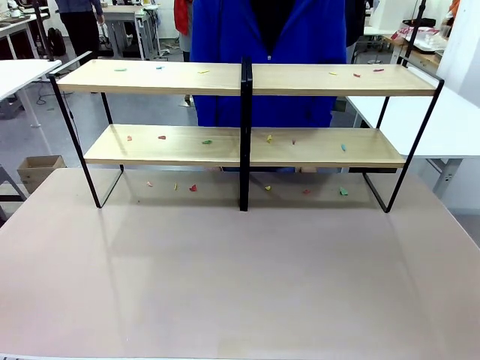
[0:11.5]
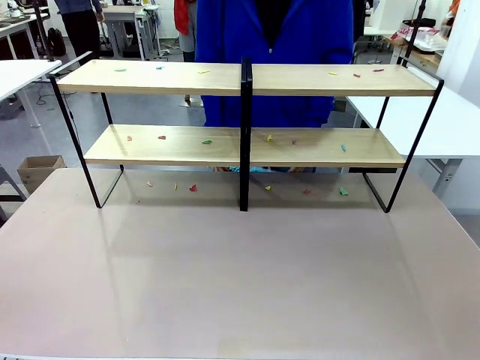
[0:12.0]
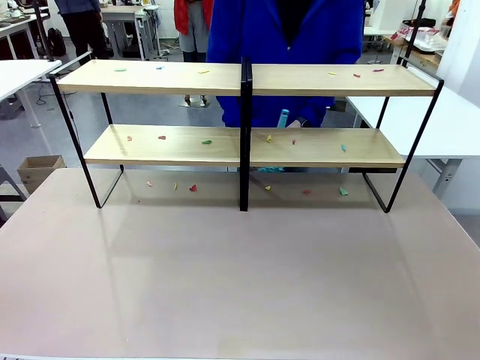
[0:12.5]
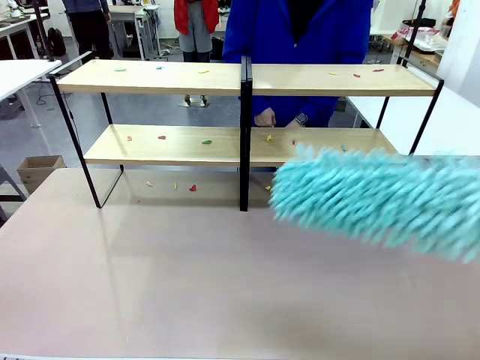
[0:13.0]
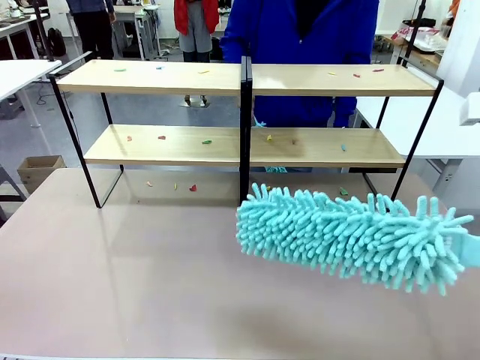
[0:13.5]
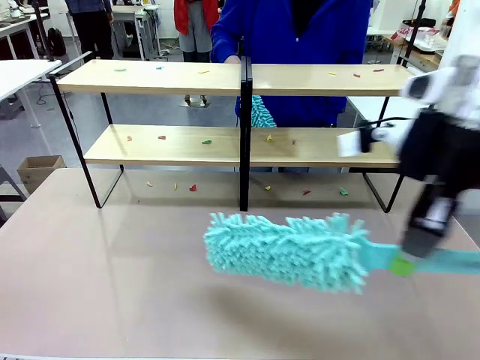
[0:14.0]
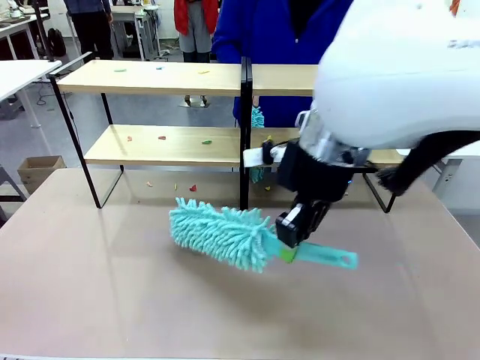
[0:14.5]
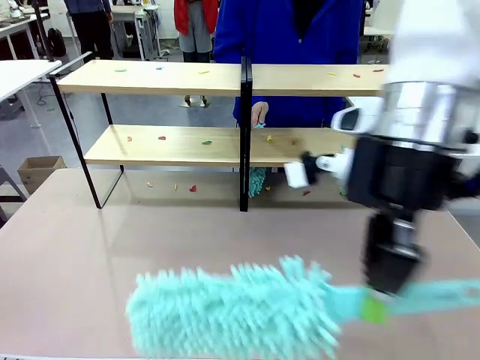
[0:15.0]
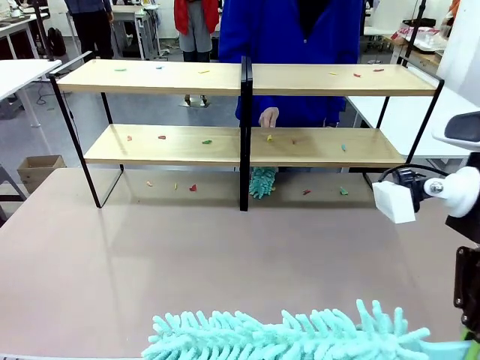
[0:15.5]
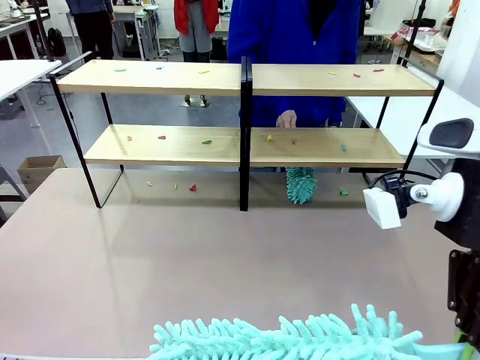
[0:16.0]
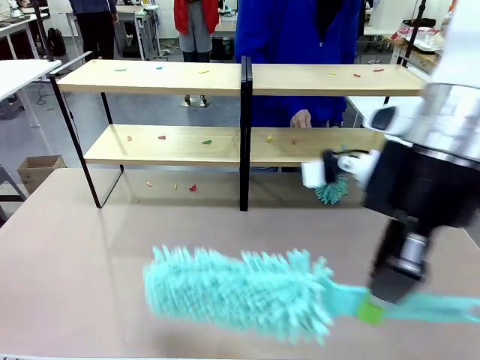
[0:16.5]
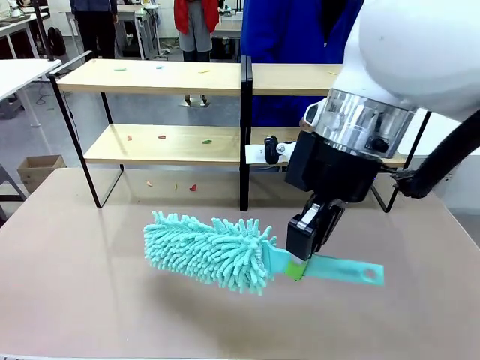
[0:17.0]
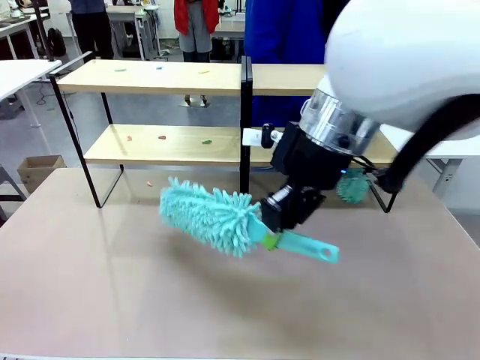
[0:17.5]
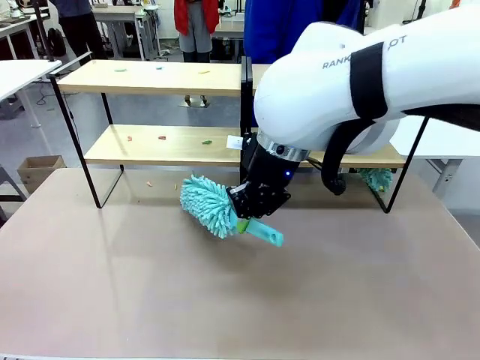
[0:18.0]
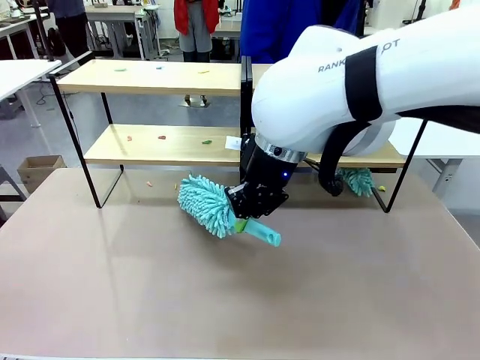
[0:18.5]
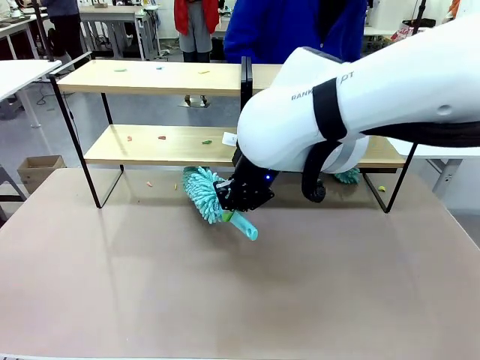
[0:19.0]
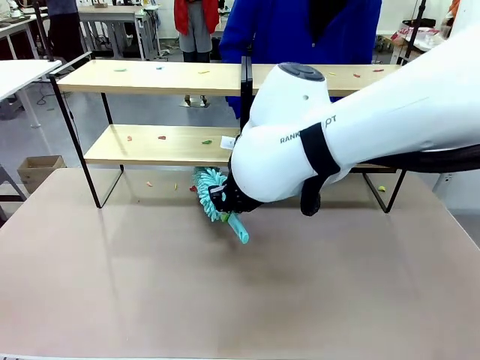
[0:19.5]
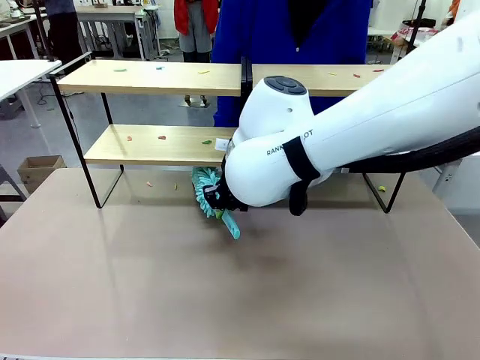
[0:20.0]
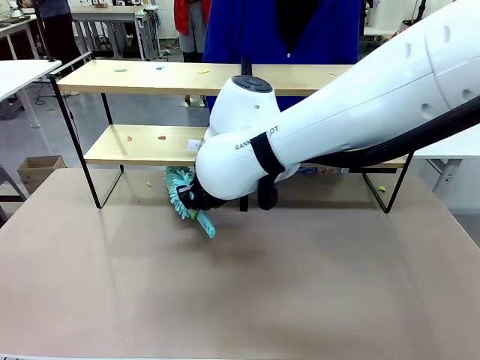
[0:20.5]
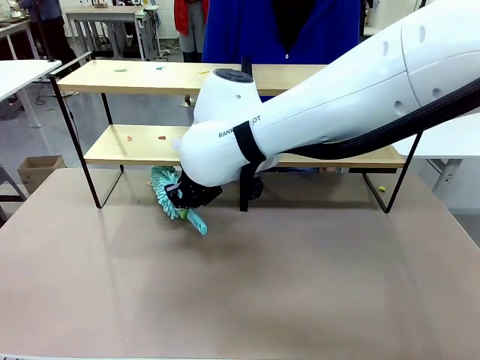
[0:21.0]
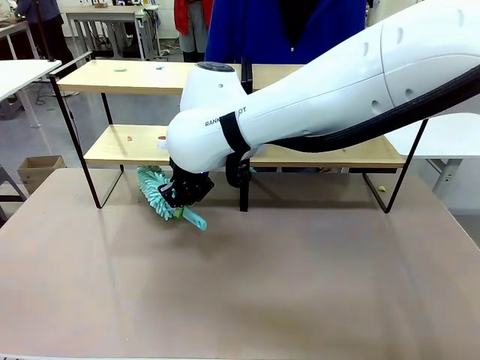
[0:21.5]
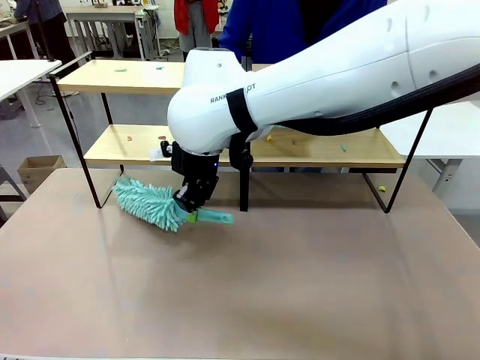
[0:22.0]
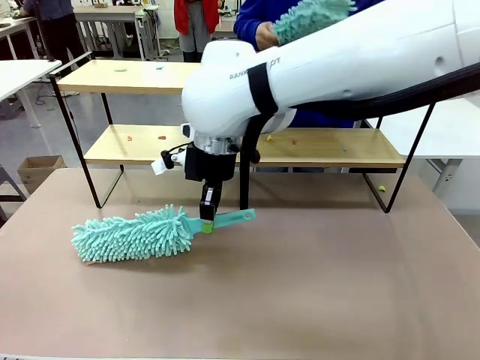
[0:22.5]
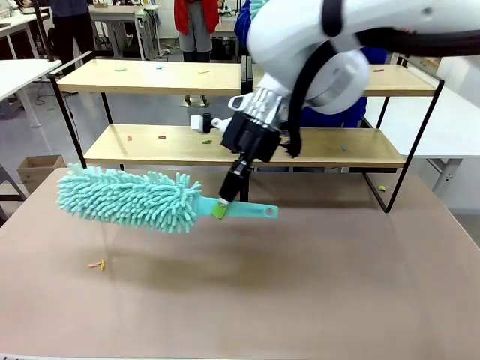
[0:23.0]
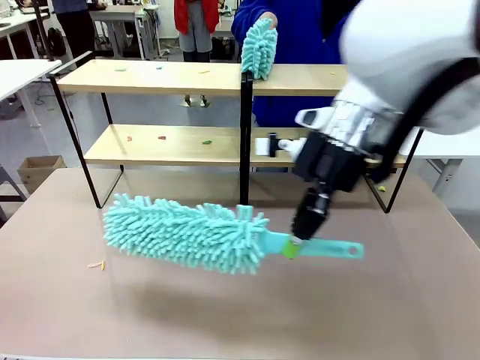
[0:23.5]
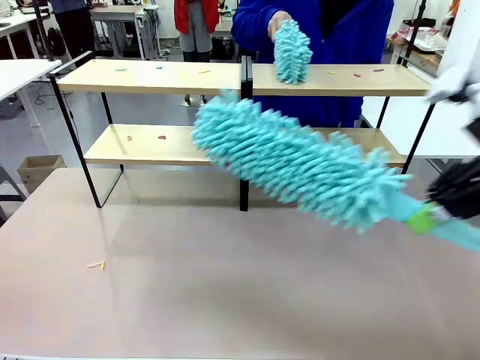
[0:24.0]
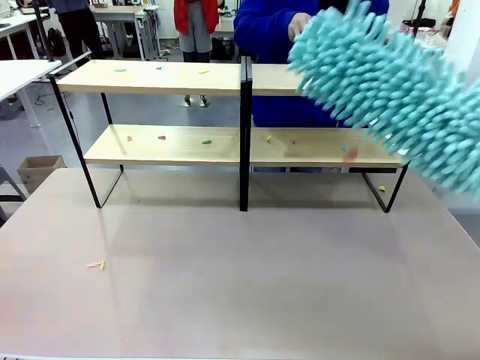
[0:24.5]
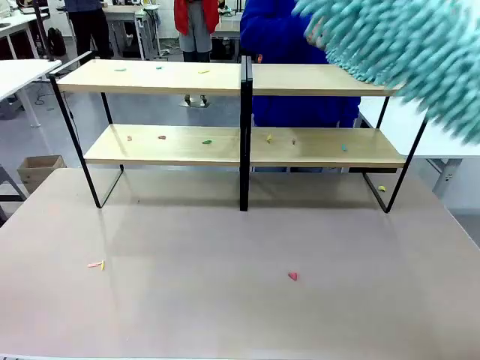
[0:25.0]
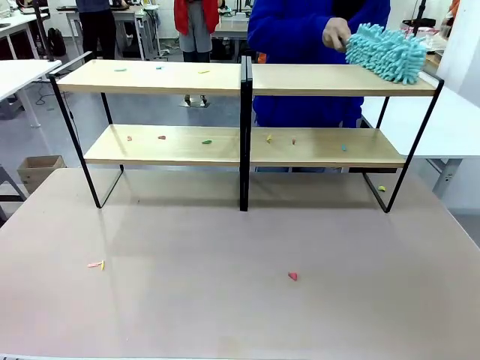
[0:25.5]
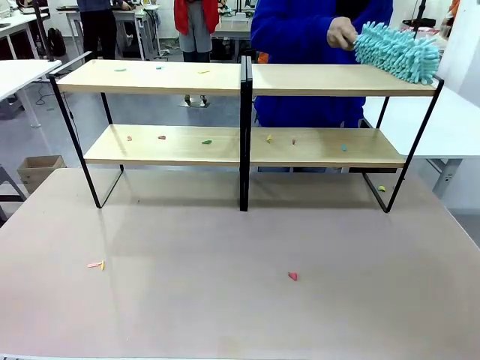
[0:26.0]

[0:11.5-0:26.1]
Task: Clean the shelves.
Robot: Clean a randomly selected level of the Shelf with the Duster.

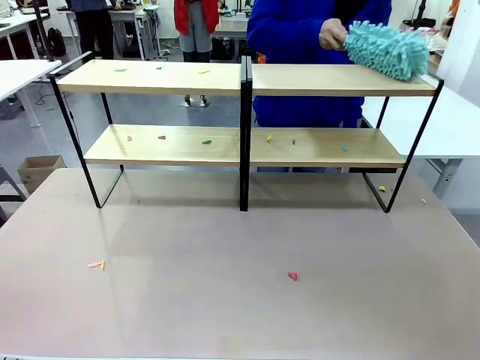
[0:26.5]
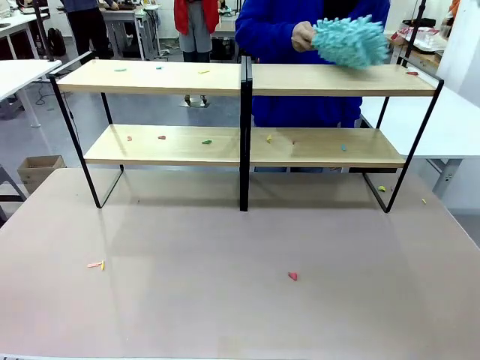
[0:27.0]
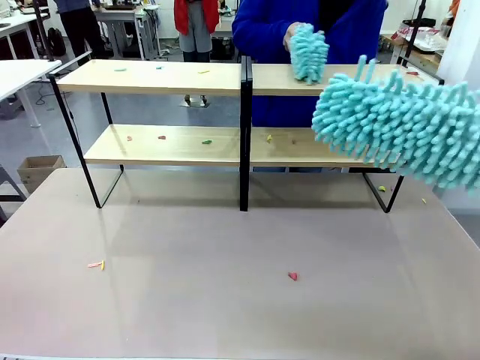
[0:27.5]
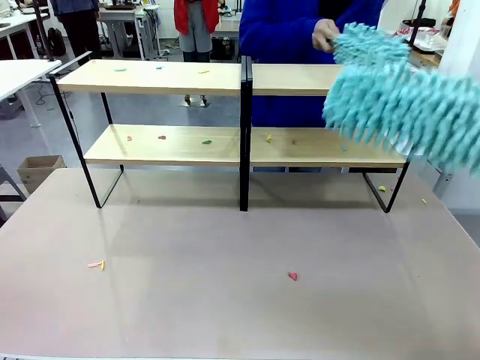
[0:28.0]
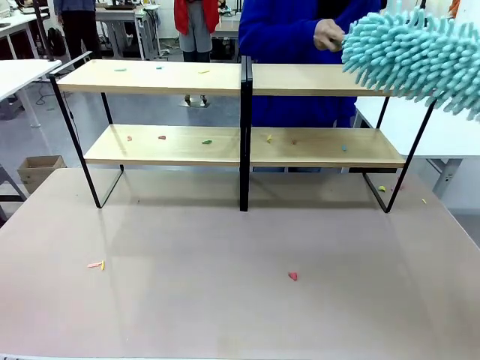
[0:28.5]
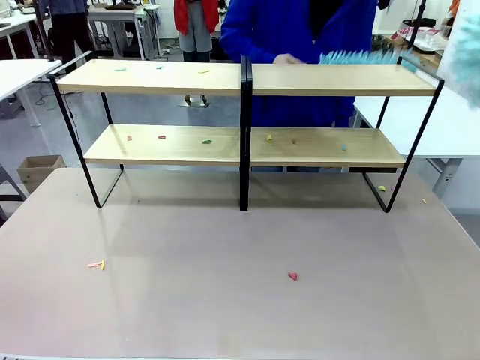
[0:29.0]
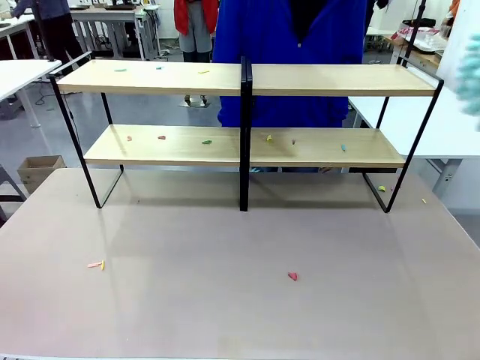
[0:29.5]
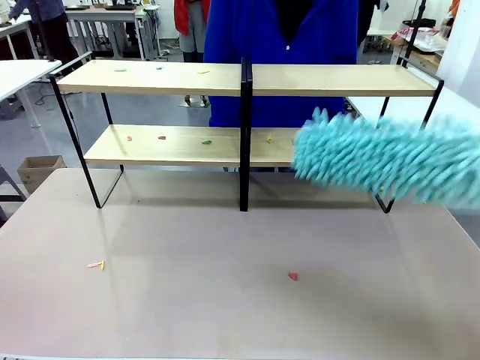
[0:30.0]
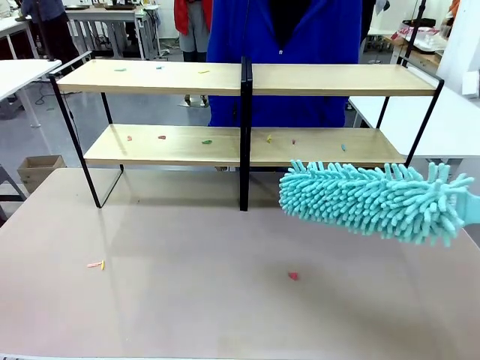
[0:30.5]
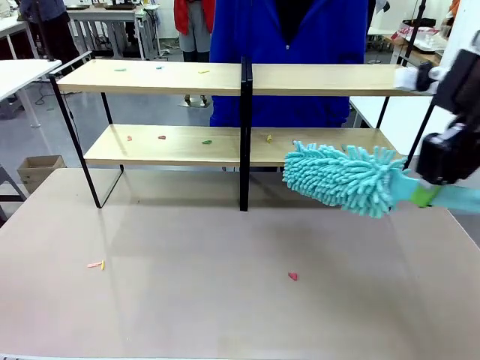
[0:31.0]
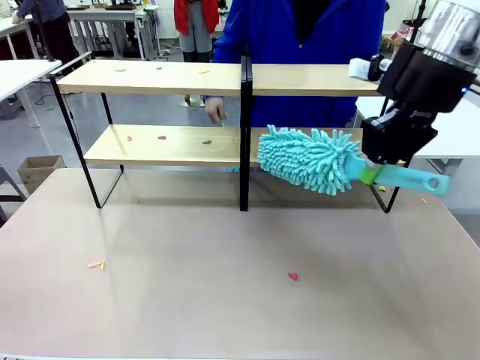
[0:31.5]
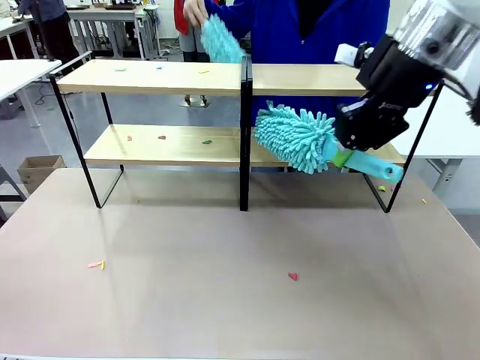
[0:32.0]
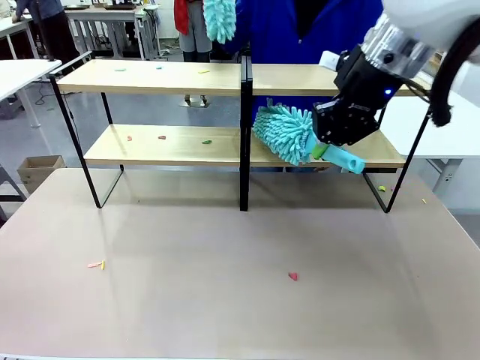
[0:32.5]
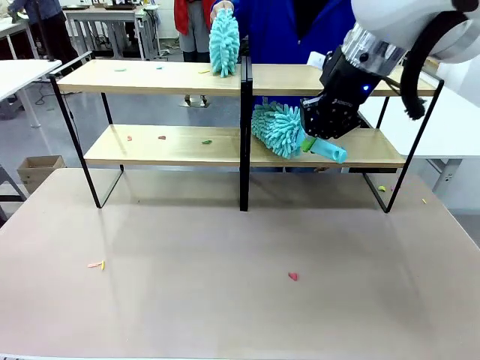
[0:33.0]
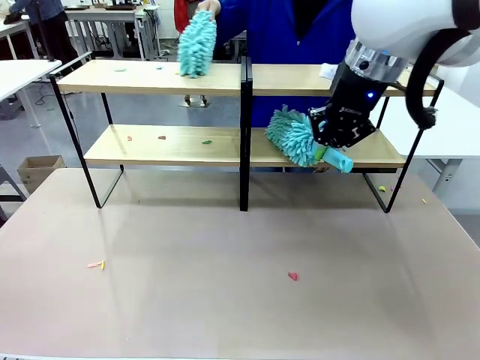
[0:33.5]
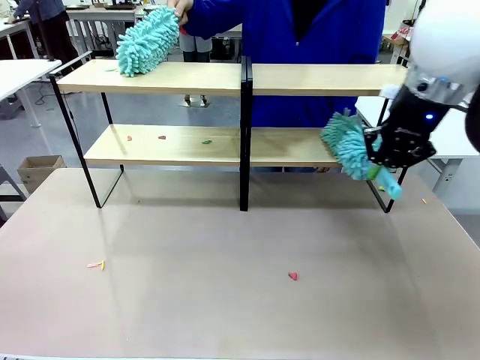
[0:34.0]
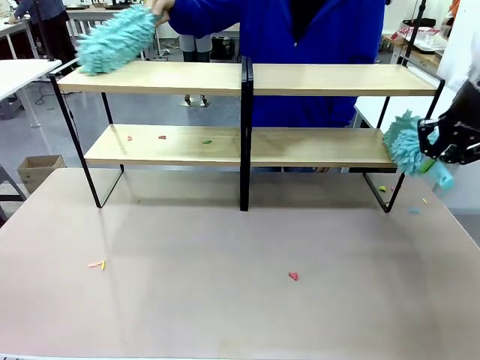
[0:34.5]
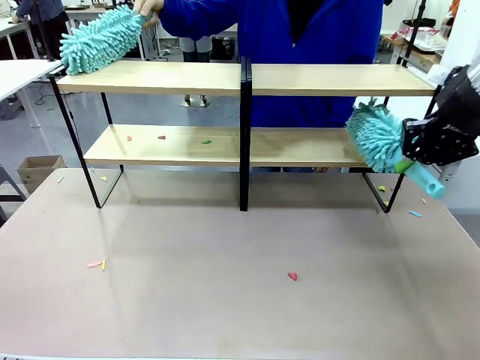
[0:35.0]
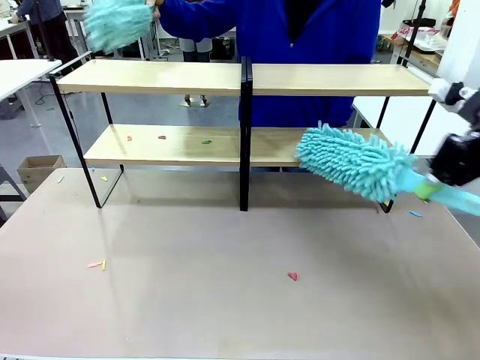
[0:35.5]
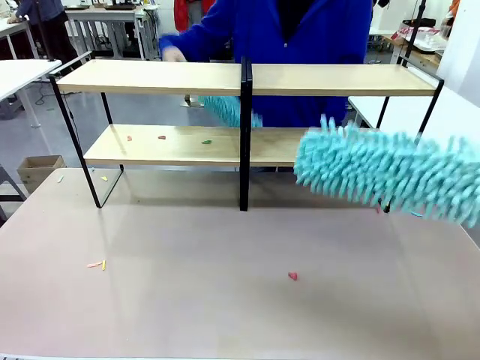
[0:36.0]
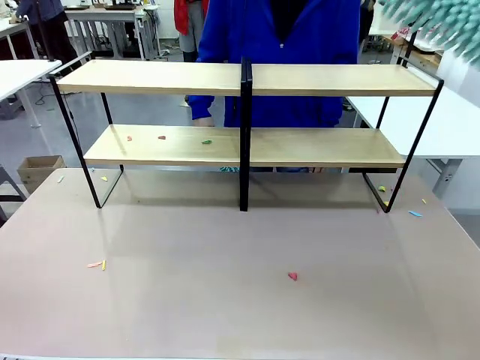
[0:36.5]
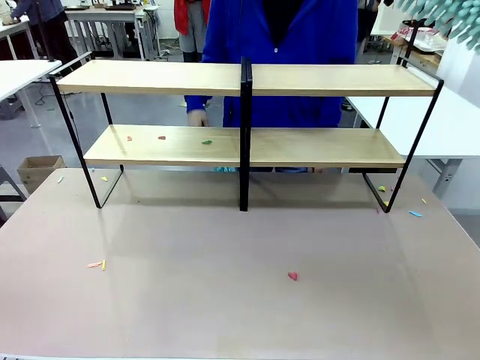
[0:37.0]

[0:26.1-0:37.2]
Robot: Clean another randomly selected level of the Shelf with the Duster.

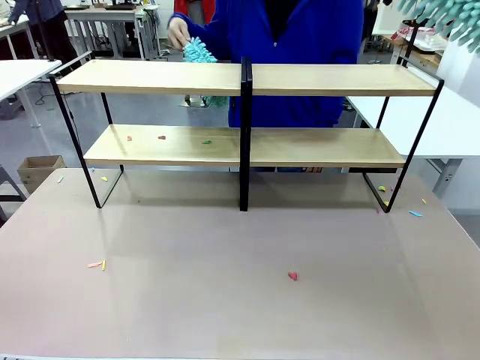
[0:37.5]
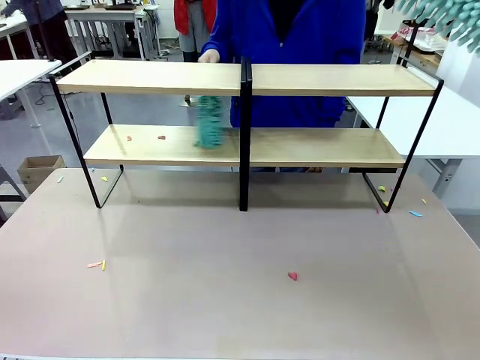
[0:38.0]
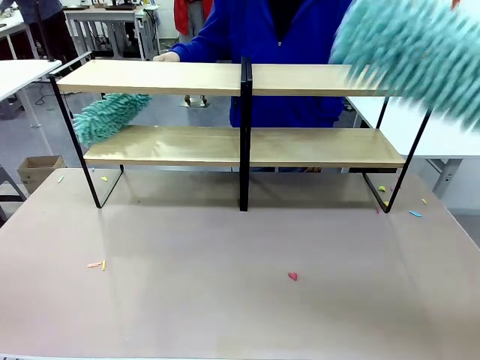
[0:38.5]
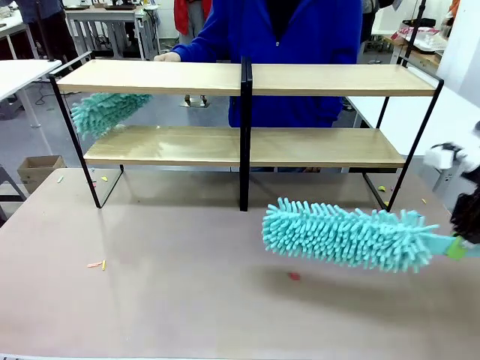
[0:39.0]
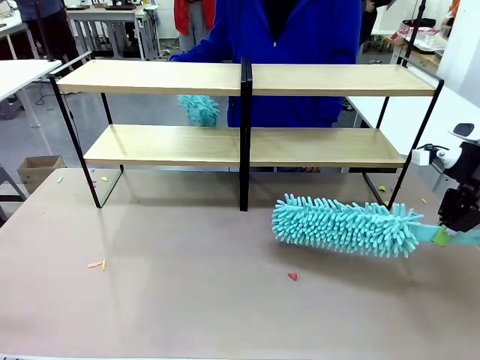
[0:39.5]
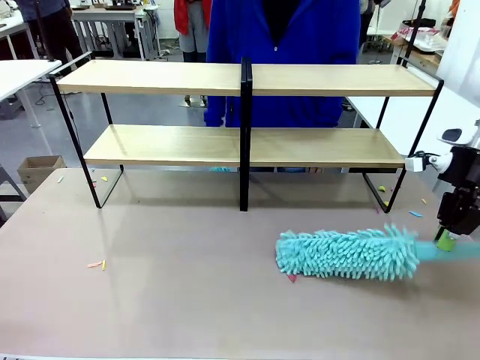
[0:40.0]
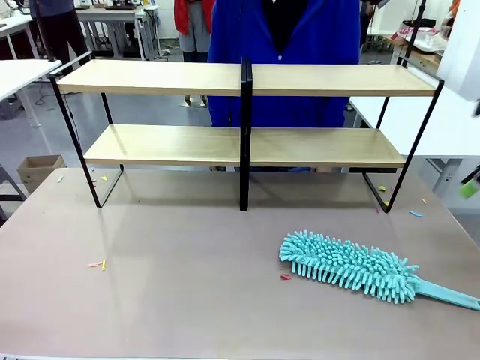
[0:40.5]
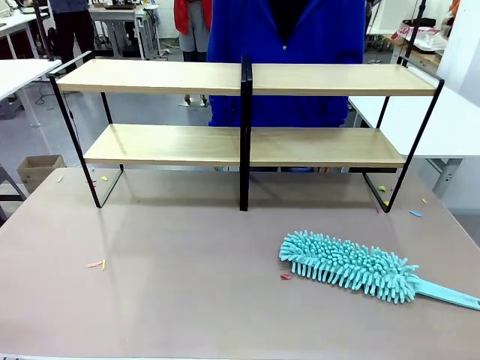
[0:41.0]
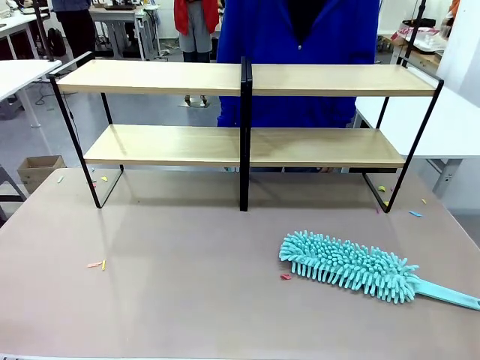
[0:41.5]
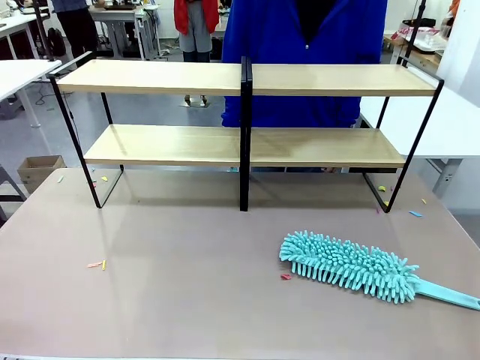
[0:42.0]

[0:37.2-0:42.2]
Robot: Place the Duster on the table.
